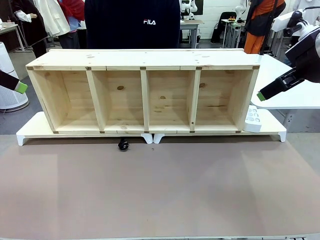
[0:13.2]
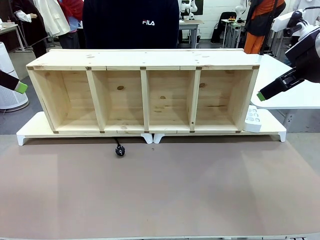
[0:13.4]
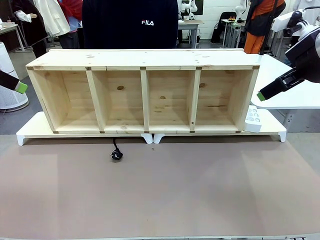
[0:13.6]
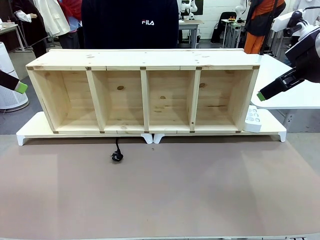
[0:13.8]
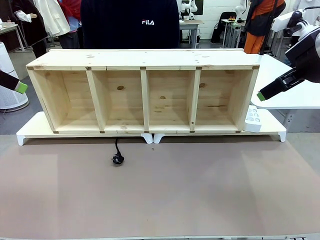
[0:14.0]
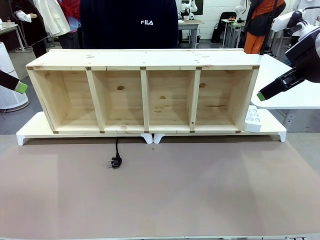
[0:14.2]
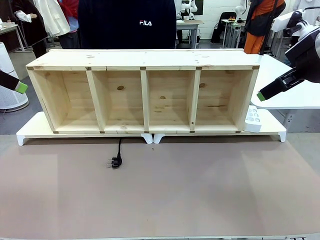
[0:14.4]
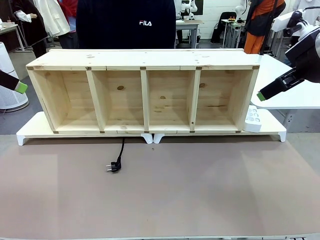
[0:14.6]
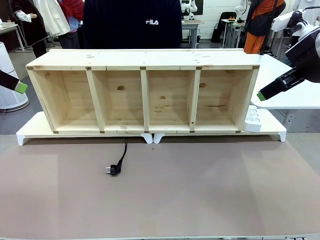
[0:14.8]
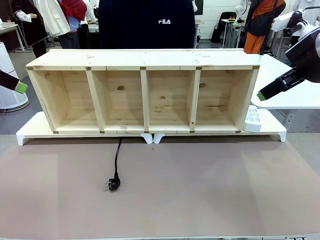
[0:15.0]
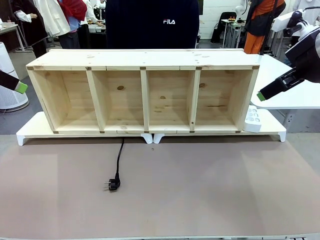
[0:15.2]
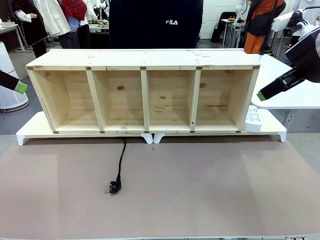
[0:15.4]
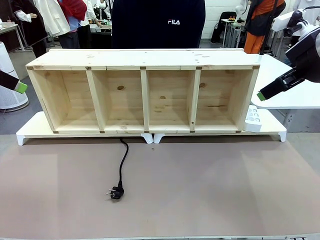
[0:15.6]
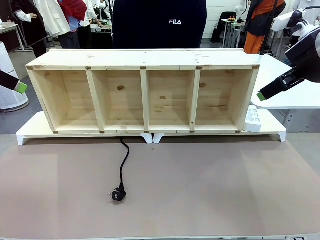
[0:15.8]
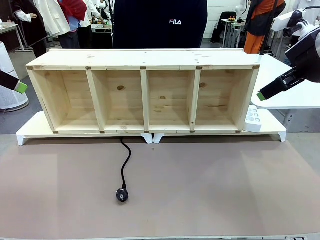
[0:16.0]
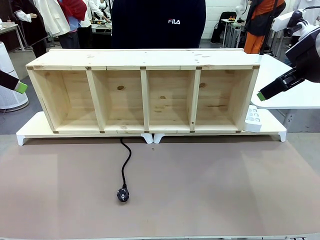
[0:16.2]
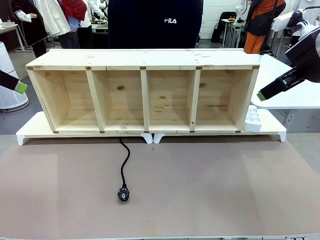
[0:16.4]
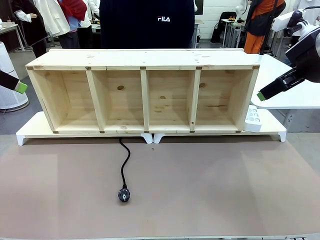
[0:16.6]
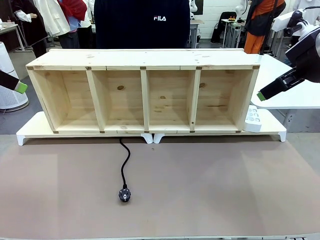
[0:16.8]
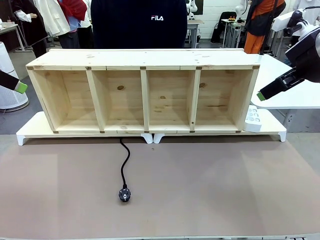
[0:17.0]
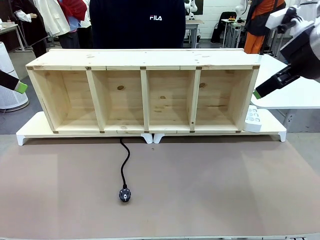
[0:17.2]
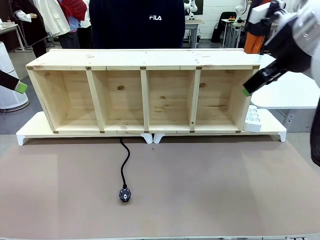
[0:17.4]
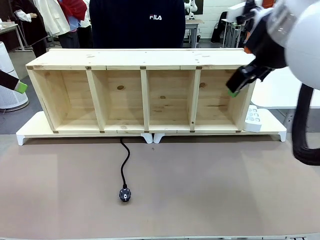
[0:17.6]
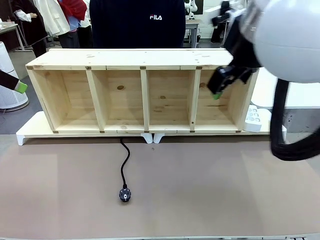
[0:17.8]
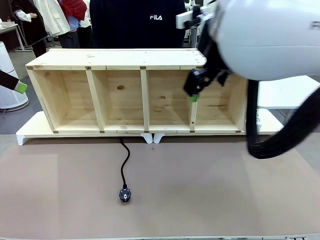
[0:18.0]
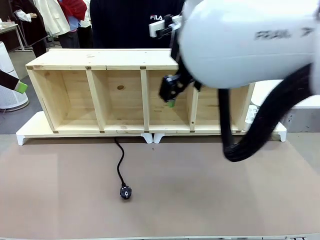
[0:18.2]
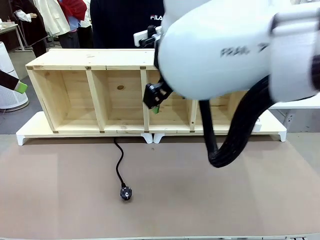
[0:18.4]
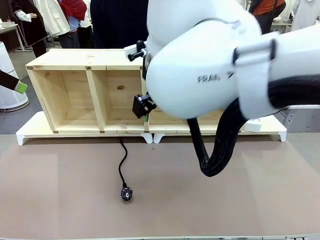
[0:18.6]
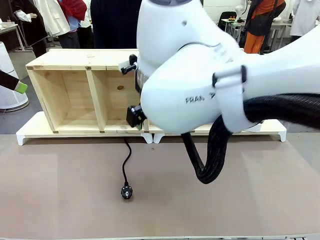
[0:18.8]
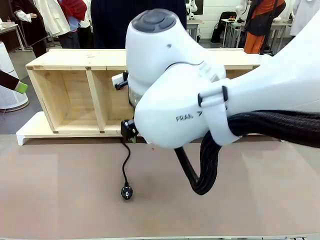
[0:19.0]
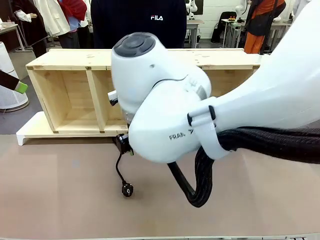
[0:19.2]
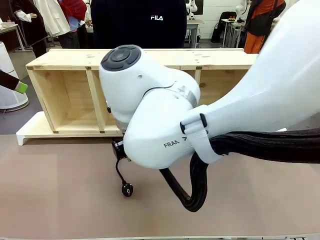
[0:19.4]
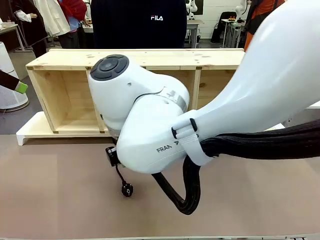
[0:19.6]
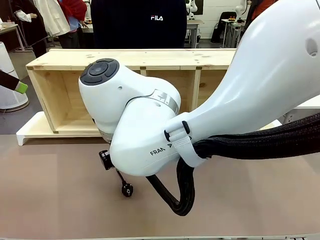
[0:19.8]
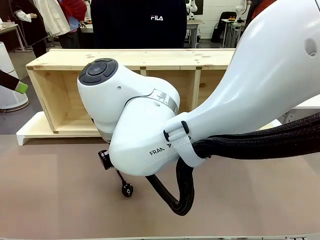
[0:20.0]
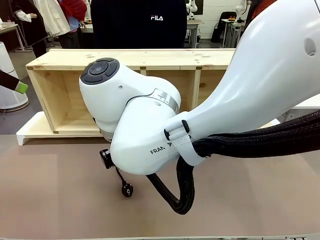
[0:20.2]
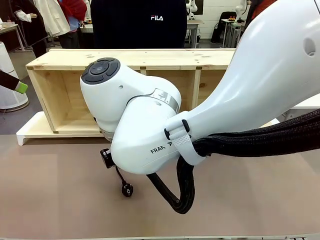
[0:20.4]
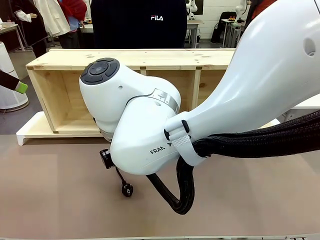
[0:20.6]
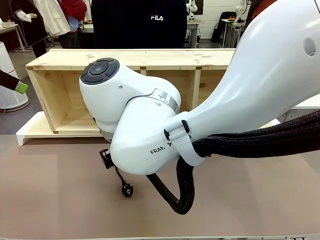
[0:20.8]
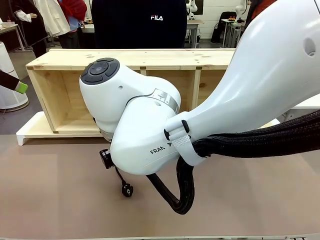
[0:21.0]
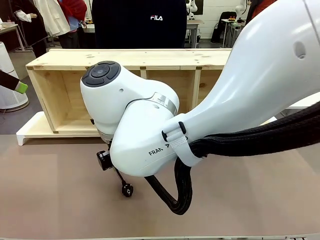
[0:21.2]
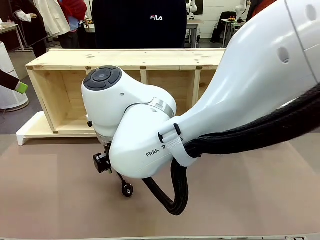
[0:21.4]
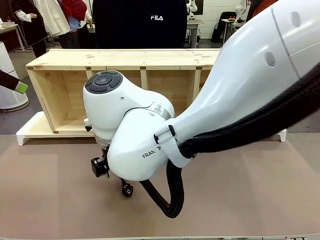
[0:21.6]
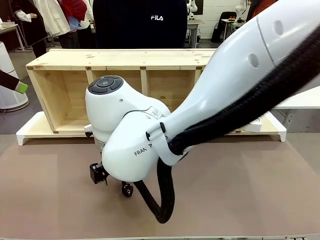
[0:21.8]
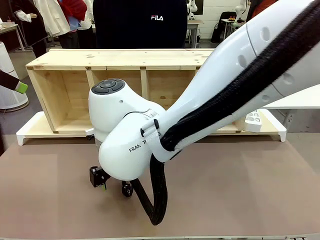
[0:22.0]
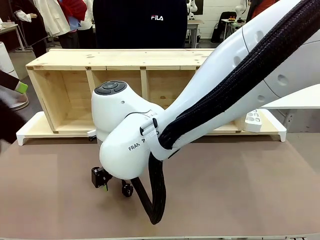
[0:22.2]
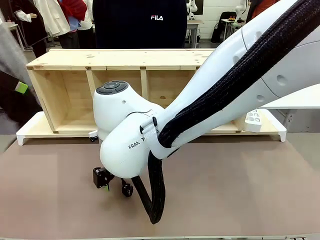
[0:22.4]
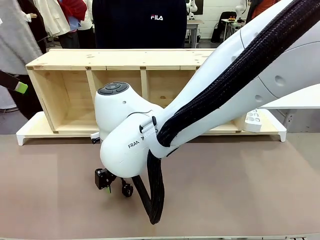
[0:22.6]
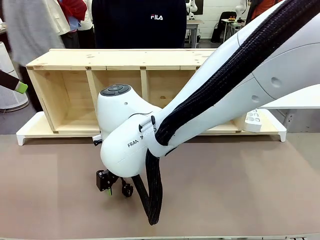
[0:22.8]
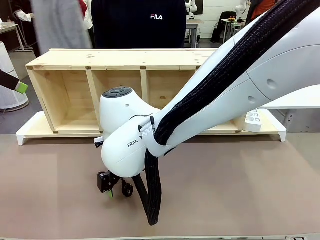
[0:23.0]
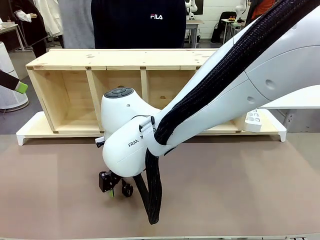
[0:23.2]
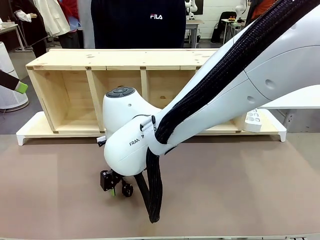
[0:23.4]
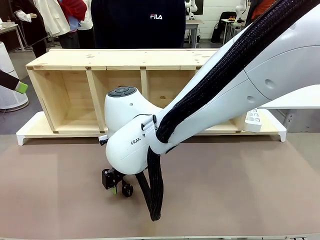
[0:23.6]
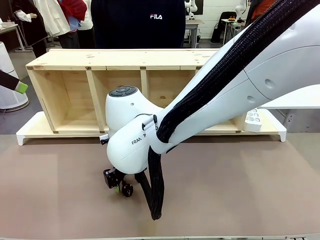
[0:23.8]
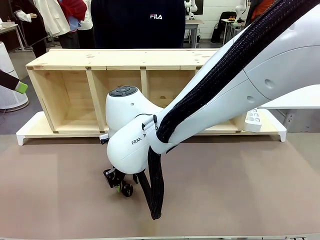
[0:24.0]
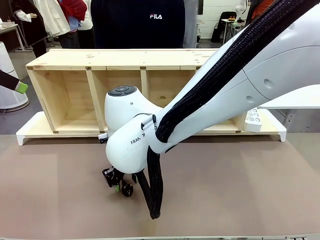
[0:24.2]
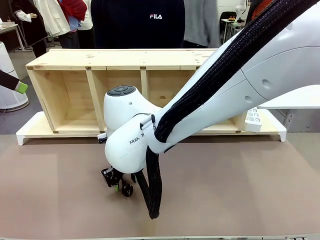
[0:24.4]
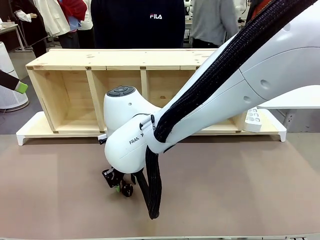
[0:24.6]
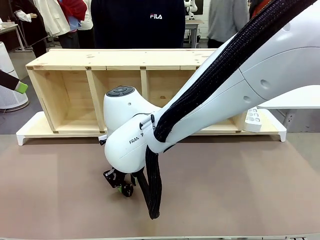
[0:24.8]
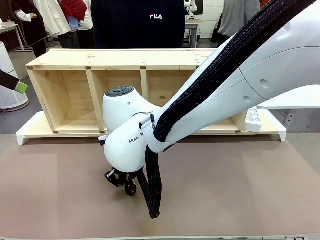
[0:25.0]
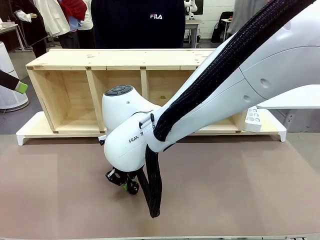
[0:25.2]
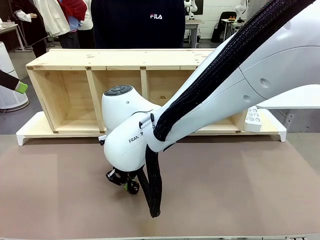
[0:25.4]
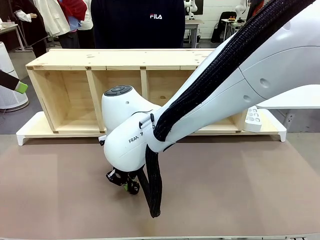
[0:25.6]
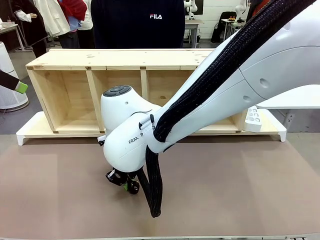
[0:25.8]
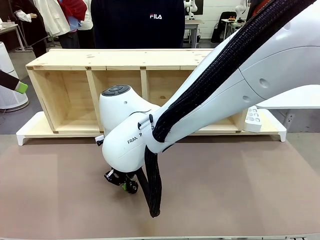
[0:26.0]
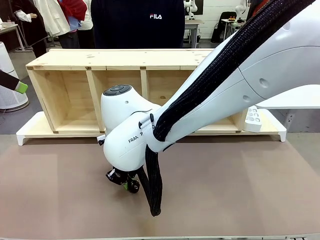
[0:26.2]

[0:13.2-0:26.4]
Task: Perform cable management.
Robot: When the cord part of the Power Cable appears at the lower middle area of the table and stops, grasp the cord part of the Power Cable.

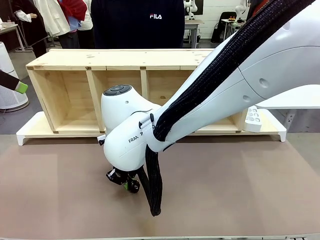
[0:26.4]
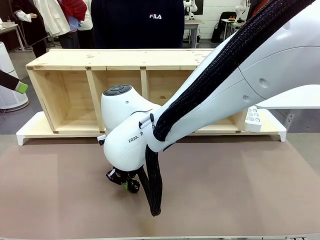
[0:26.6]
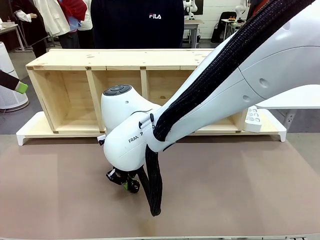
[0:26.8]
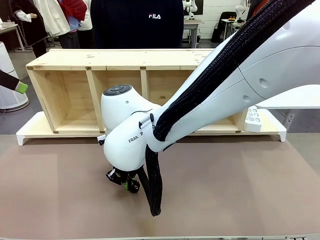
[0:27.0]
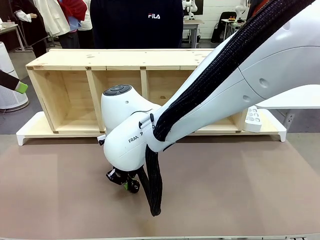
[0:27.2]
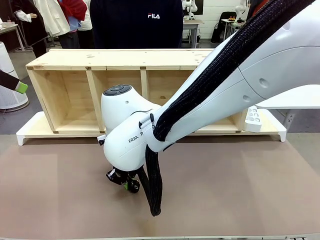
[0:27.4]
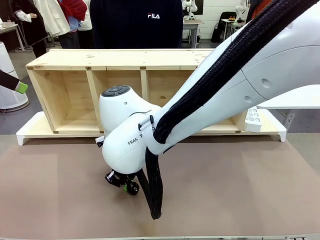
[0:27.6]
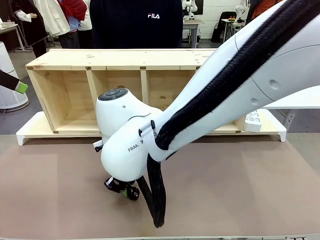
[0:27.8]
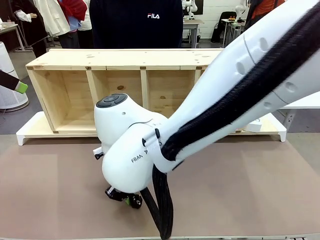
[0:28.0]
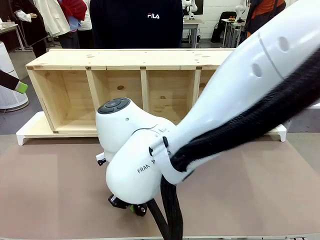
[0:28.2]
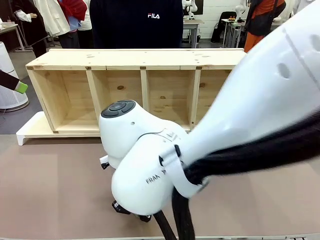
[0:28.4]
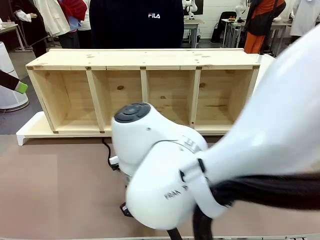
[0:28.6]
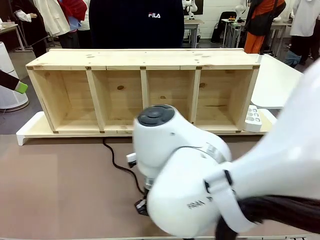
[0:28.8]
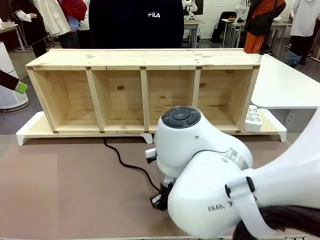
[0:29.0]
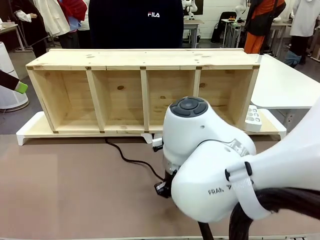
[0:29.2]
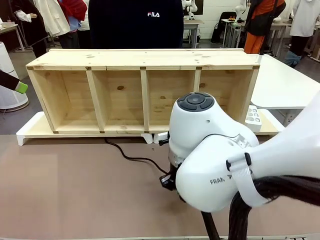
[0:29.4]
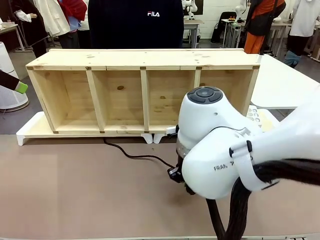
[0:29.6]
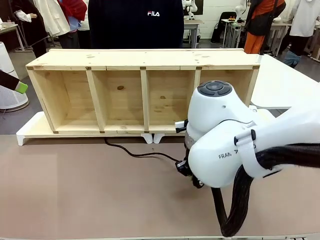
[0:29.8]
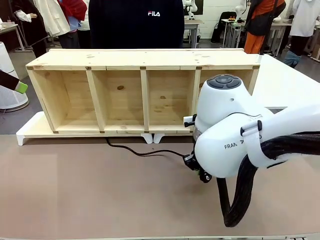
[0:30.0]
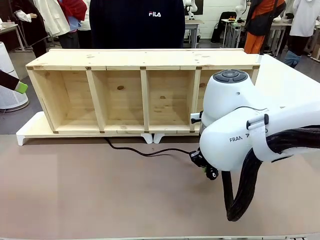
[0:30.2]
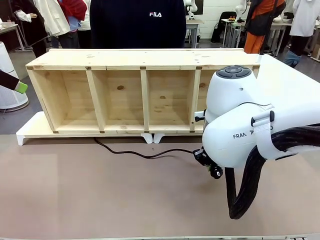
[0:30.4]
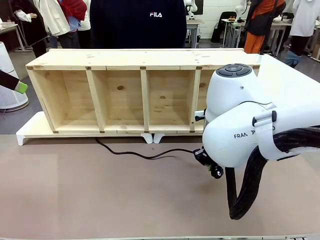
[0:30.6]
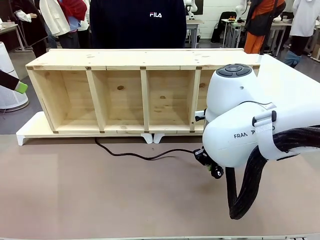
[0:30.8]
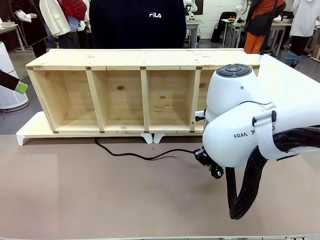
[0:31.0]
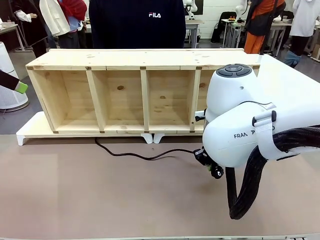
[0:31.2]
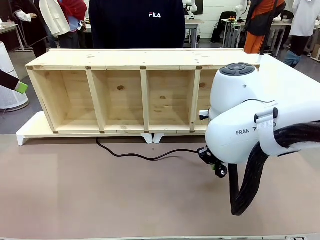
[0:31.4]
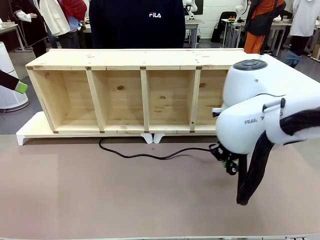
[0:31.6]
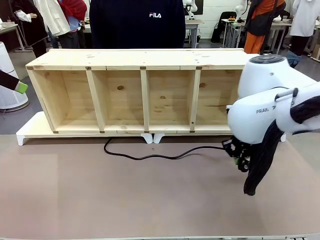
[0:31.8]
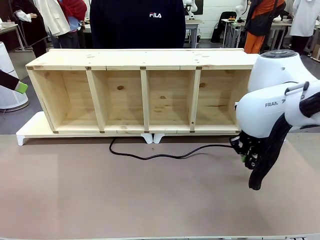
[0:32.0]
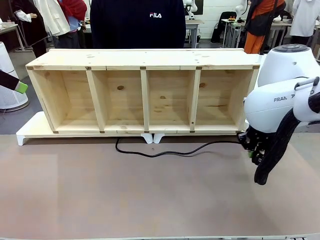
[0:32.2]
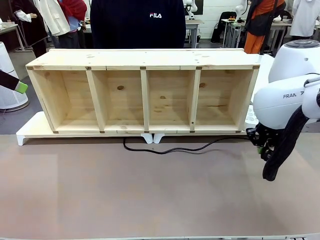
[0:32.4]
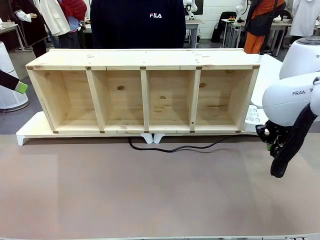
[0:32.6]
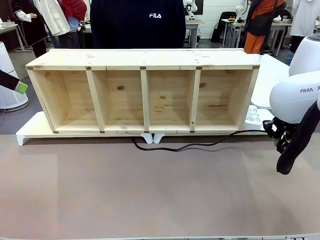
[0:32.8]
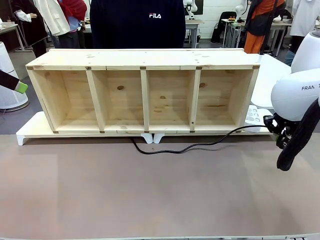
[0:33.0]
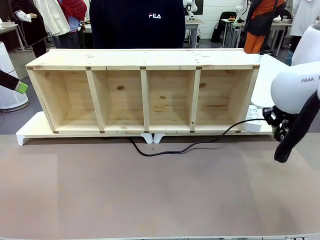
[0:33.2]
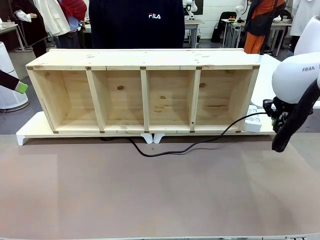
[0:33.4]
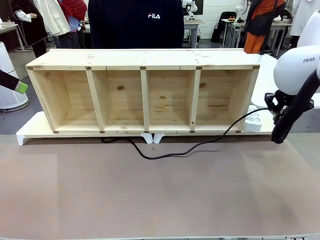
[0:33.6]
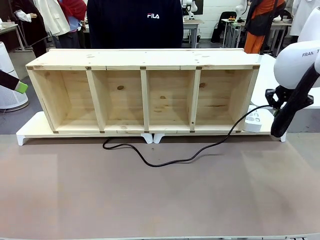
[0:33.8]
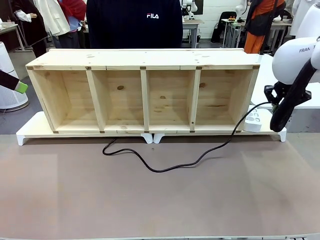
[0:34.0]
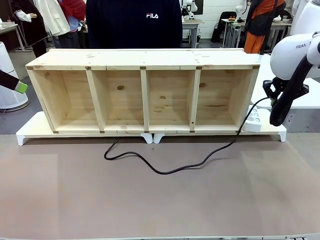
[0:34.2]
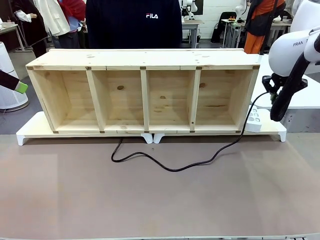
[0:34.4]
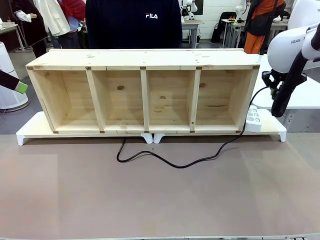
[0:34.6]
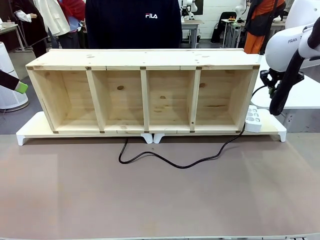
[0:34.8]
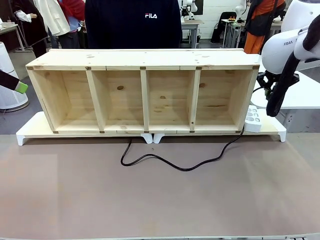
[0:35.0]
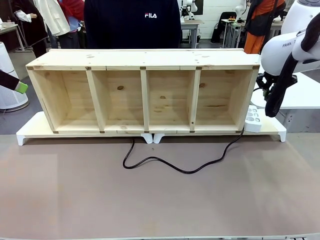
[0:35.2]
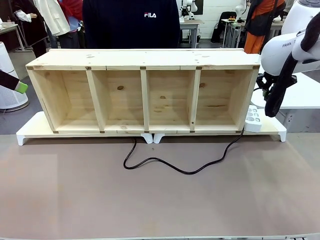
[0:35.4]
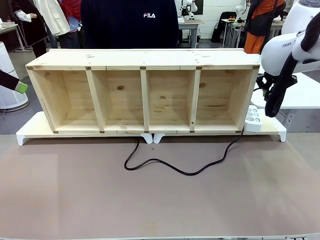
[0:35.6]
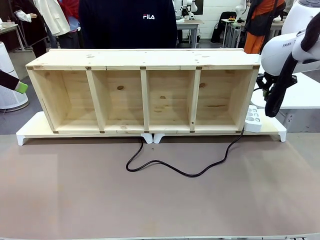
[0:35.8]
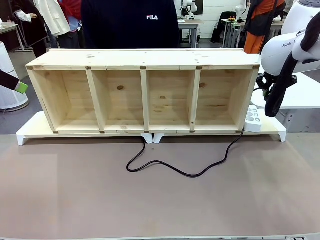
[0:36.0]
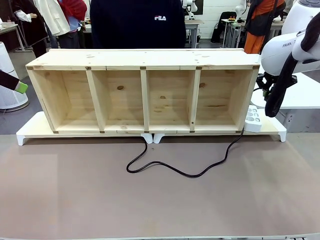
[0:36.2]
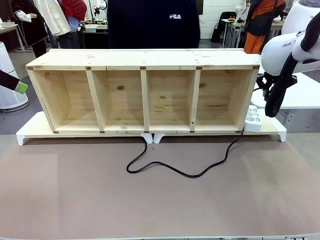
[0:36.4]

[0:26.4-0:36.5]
Robot: Pull the grasped Power Cable to the location of the Power Strip.
